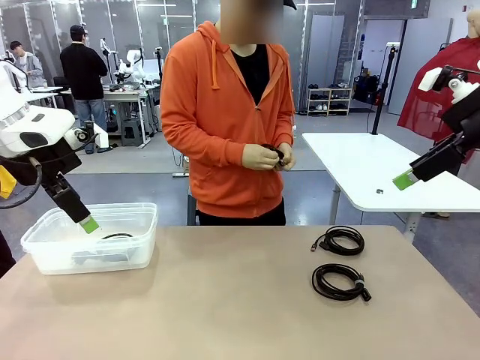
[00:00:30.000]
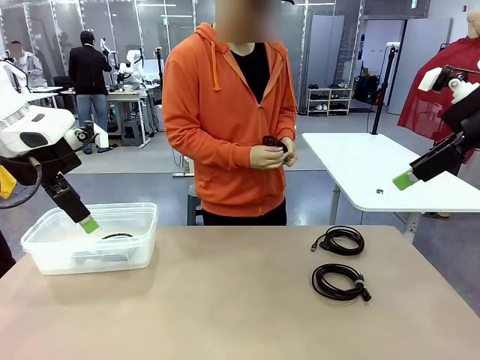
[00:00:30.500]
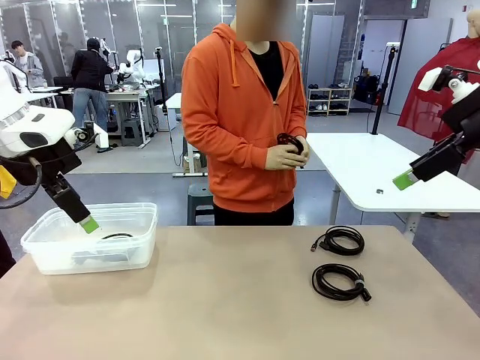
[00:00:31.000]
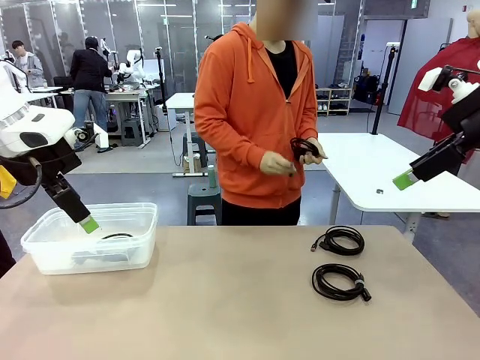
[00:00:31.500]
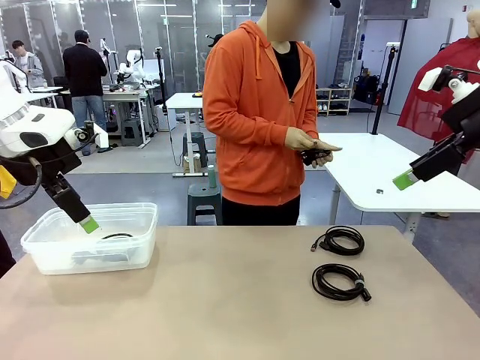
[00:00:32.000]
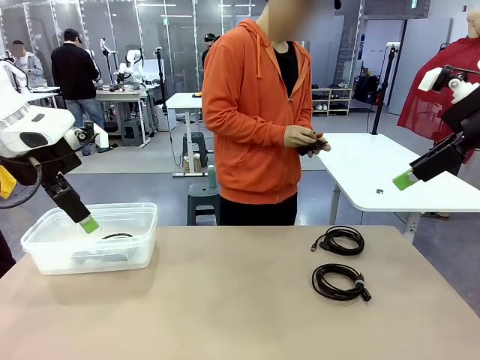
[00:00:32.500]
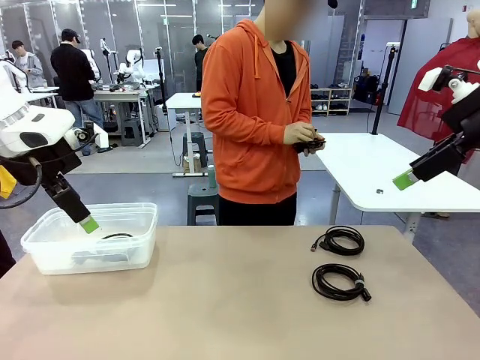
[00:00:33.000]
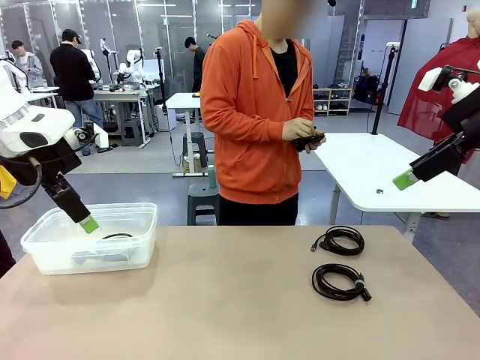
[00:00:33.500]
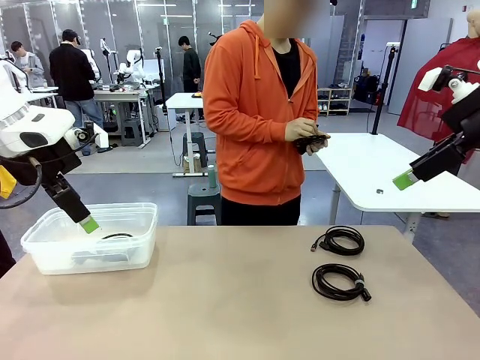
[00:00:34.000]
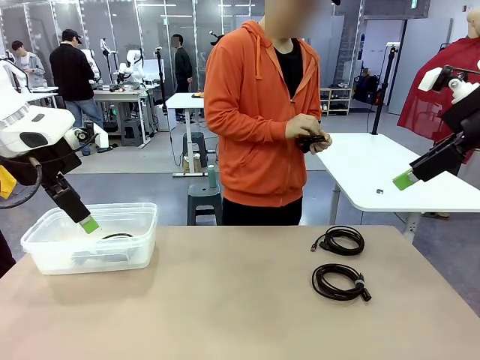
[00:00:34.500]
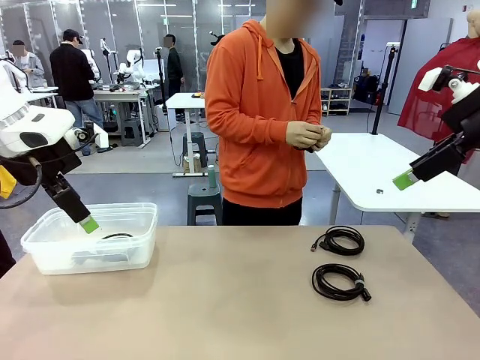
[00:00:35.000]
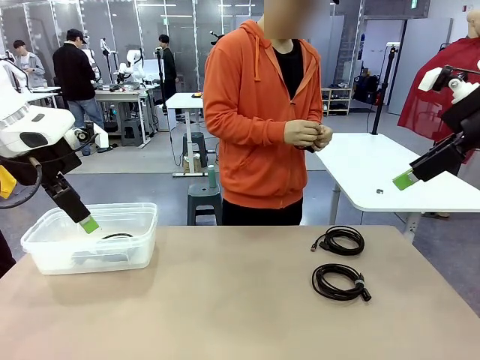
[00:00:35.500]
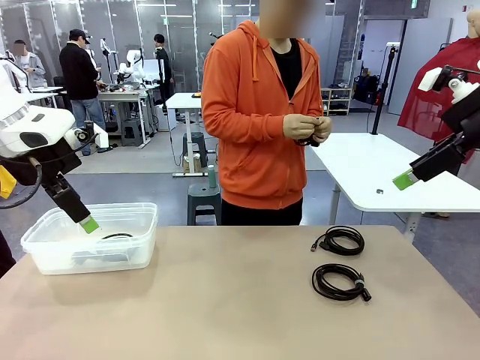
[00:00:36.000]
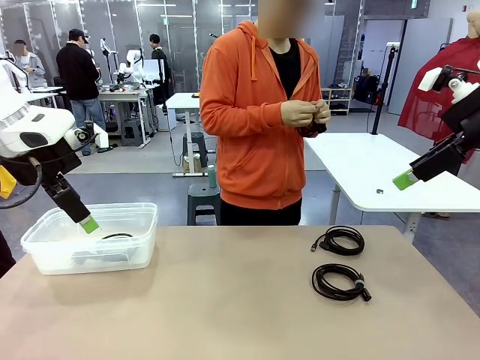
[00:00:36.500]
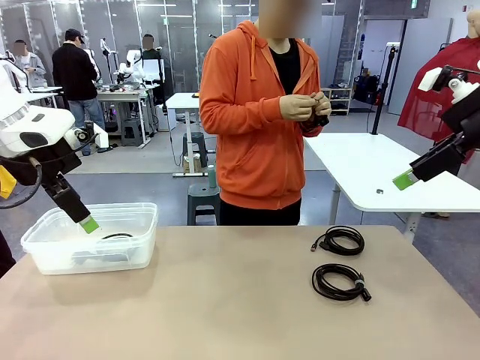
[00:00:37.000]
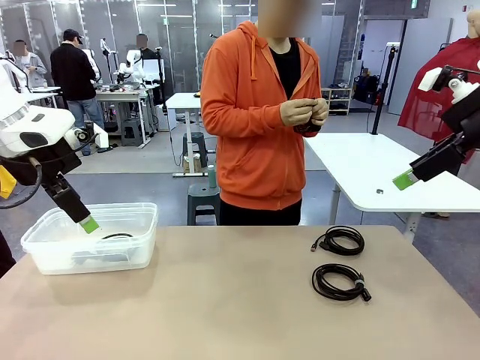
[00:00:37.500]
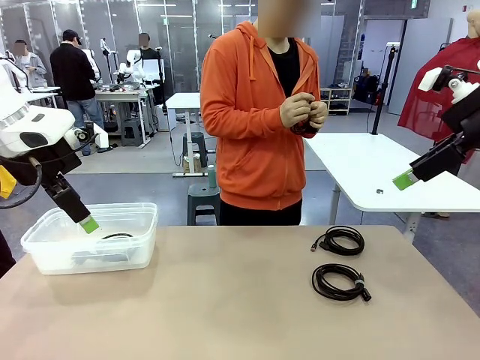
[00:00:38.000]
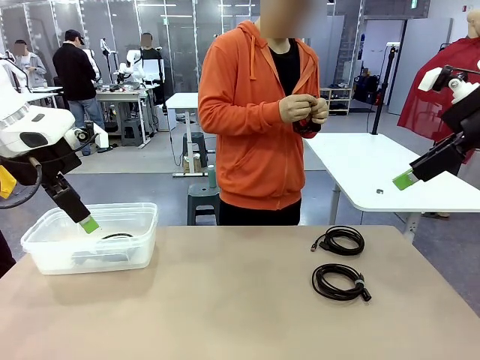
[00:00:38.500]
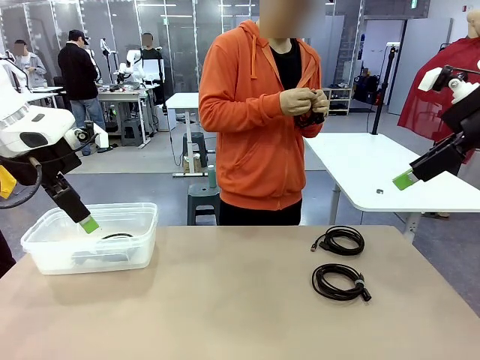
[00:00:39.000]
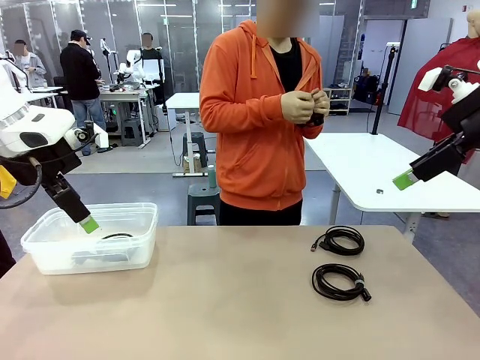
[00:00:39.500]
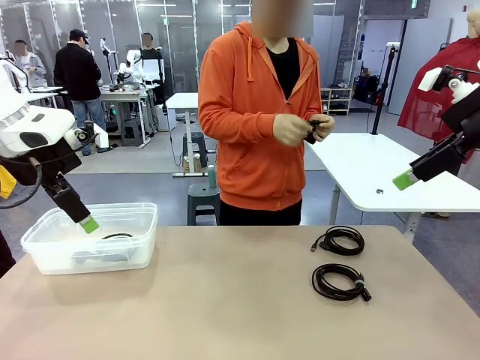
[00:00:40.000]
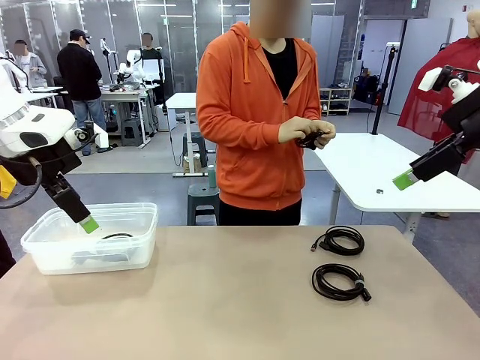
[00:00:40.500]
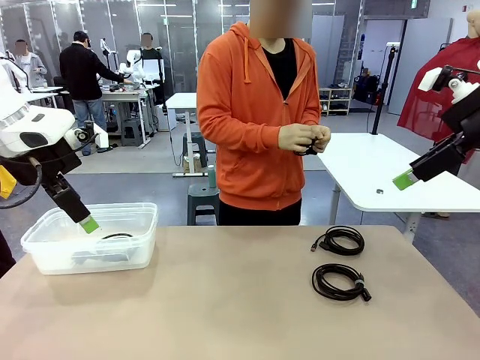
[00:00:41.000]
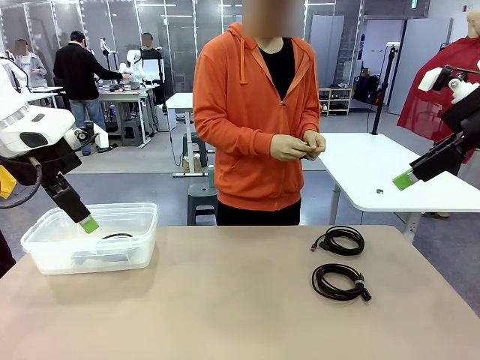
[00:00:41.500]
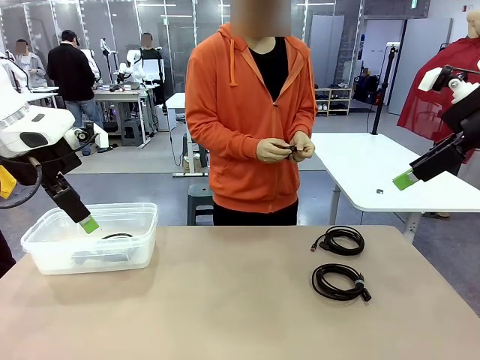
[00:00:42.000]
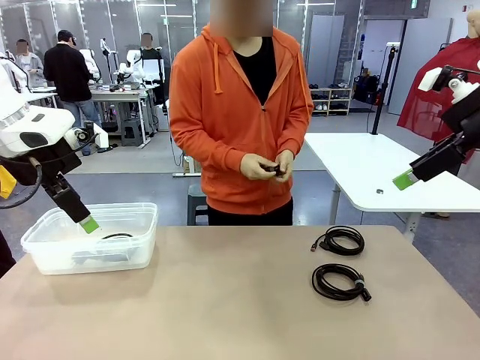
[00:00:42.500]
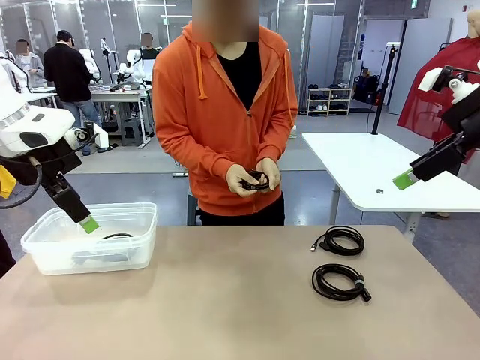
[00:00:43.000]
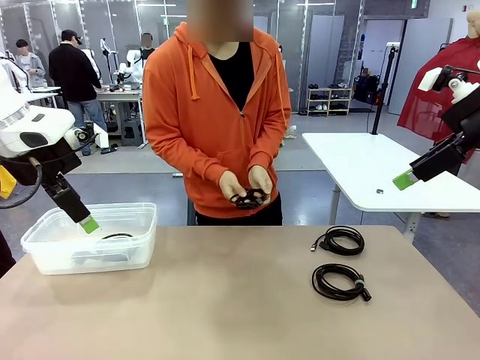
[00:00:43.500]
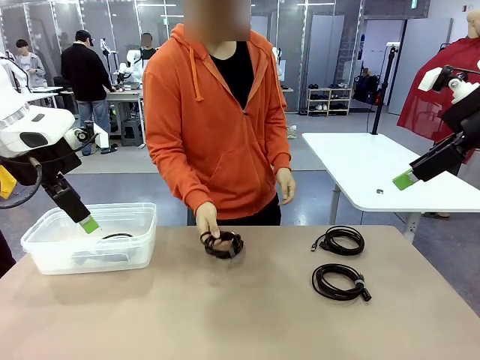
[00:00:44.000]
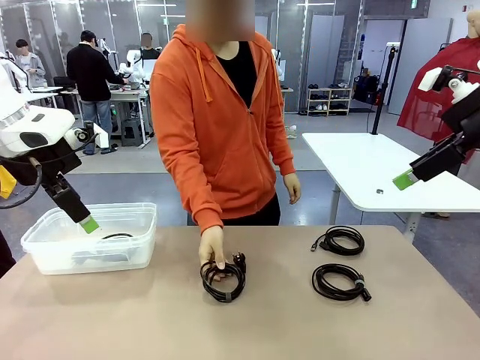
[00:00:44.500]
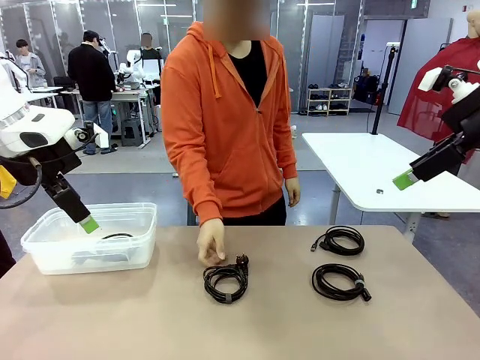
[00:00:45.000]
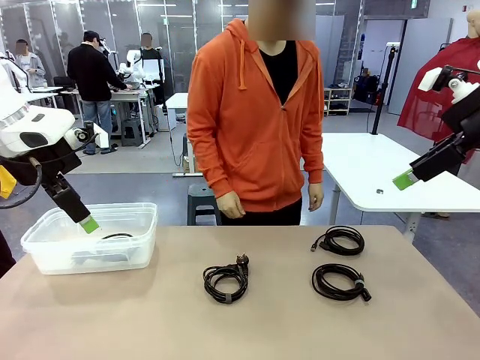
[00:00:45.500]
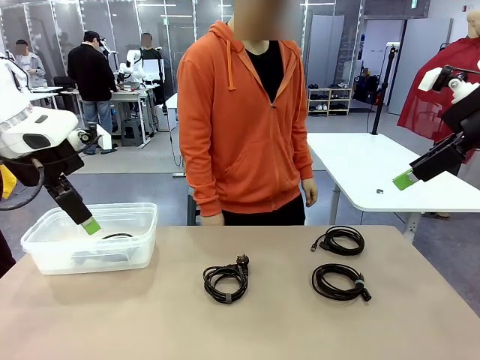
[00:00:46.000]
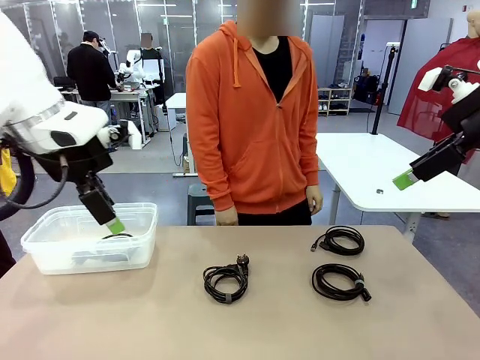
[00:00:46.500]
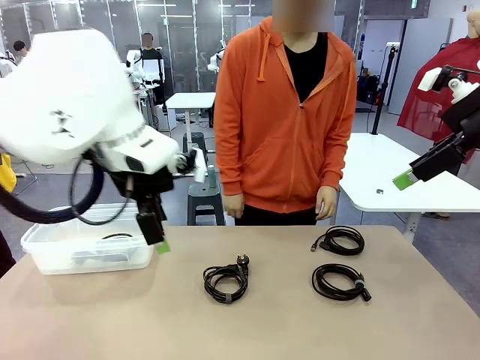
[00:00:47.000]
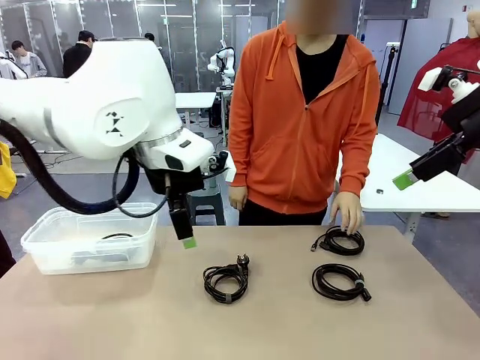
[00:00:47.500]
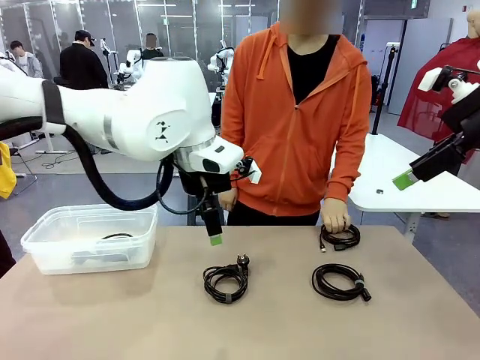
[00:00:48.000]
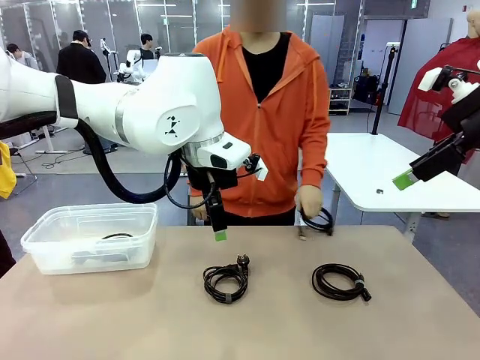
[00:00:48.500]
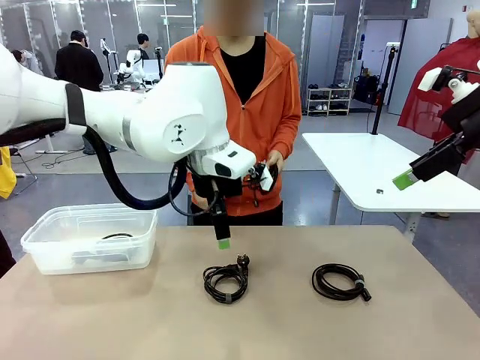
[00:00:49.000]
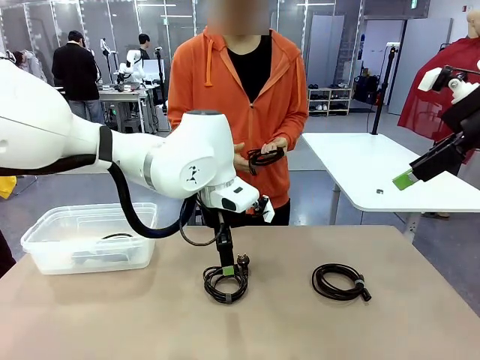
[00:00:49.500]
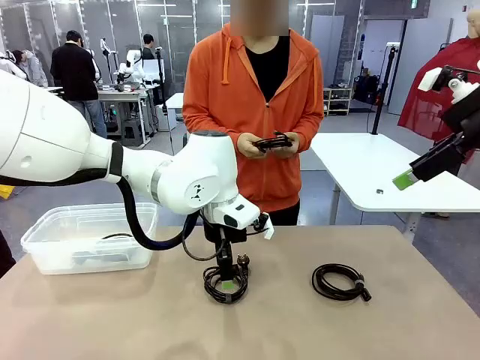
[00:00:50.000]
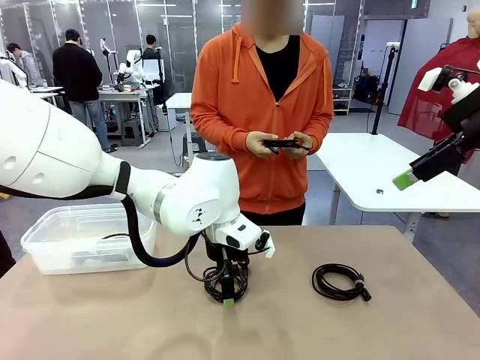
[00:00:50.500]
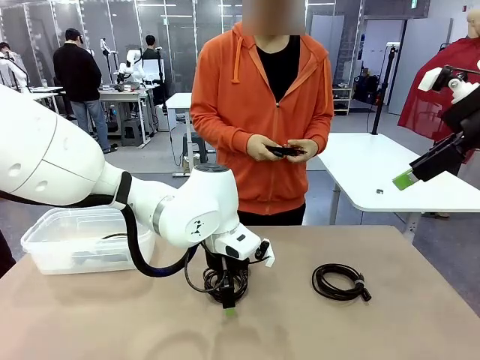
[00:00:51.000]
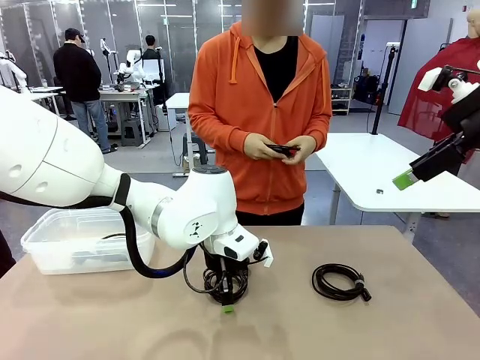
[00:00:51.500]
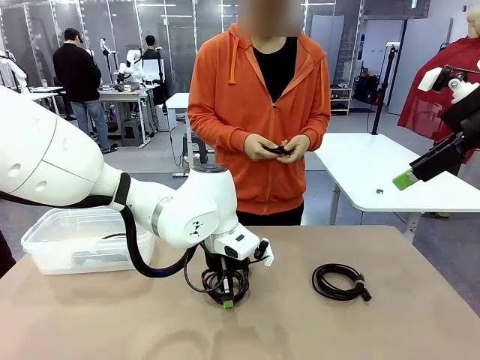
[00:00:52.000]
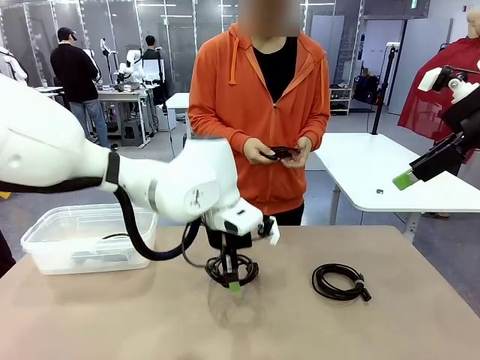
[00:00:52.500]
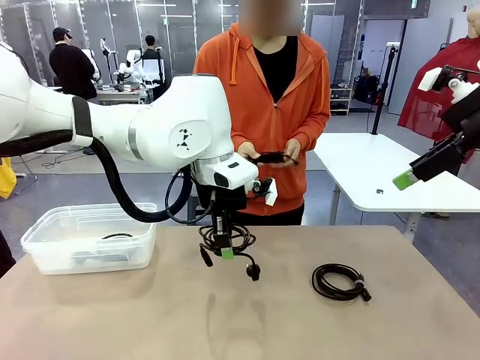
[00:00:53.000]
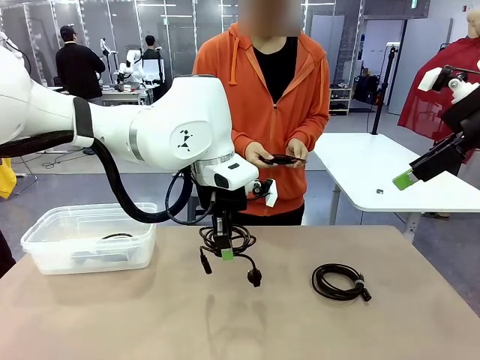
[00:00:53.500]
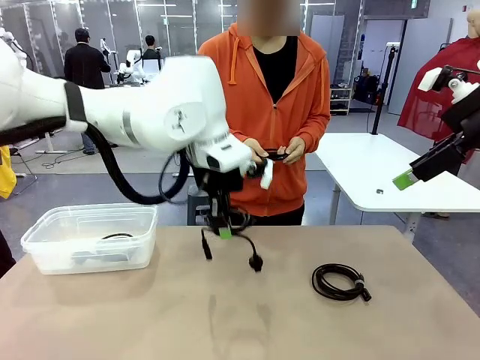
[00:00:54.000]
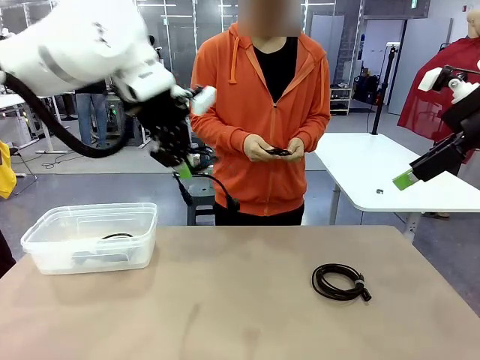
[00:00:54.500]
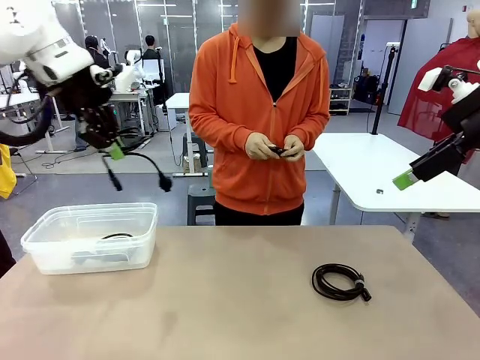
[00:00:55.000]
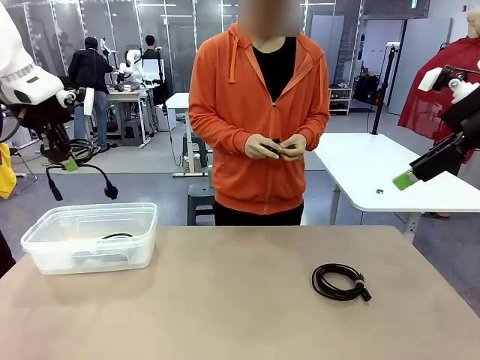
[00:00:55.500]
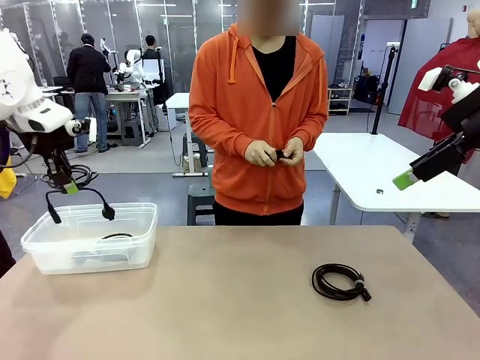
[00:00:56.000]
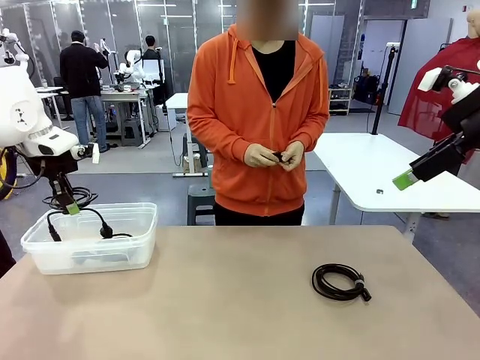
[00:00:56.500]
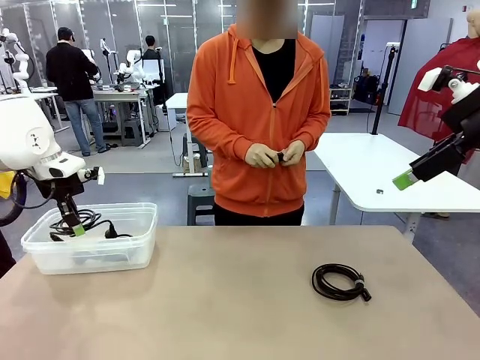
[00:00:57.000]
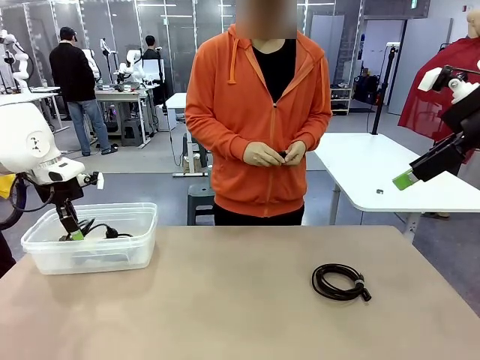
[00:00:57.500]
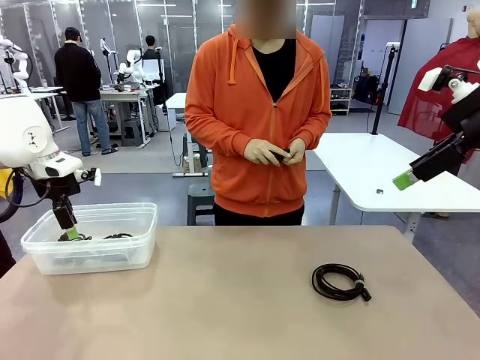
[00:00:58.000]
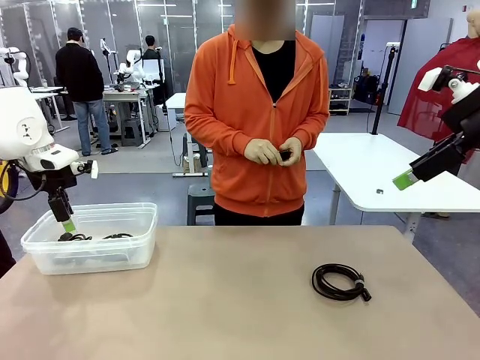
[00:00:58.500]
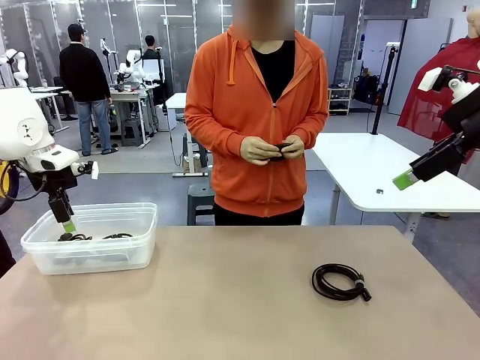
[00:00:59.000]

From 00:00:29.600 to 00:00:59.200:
Task: Organize and store the cables.
Robot: Place the Power Cable into the Organizing box.
